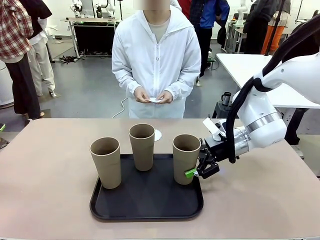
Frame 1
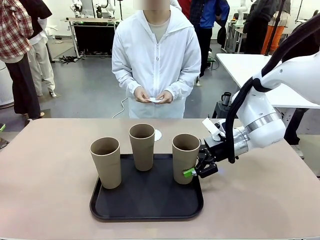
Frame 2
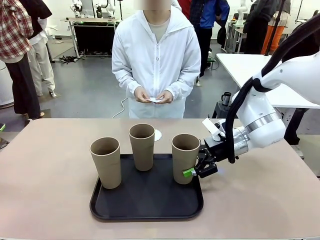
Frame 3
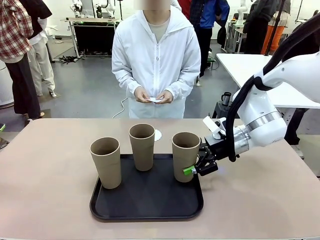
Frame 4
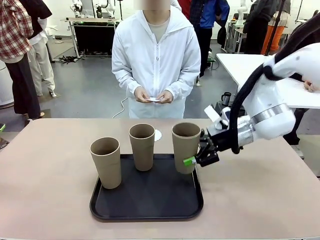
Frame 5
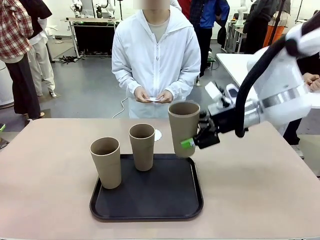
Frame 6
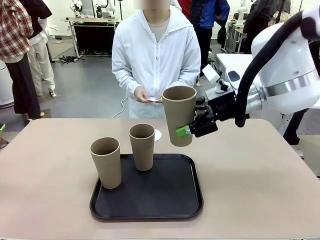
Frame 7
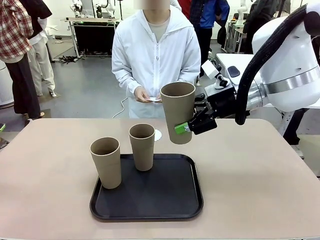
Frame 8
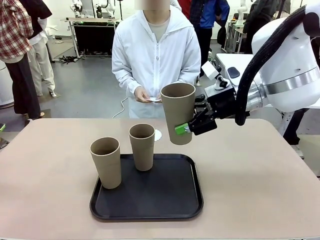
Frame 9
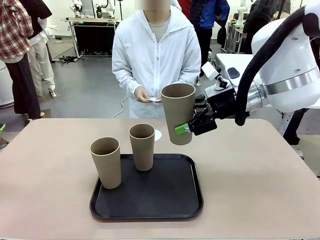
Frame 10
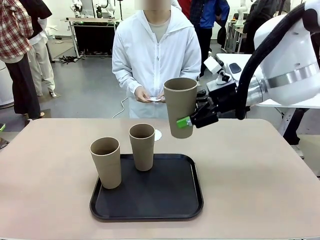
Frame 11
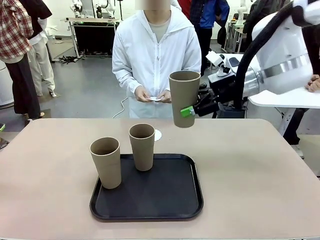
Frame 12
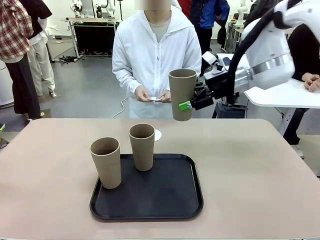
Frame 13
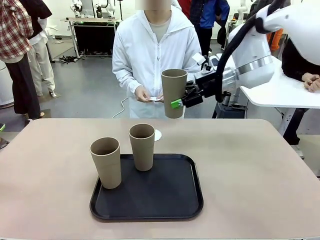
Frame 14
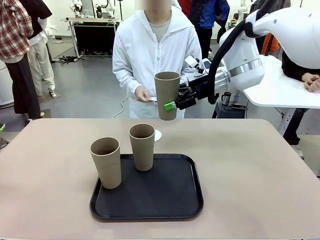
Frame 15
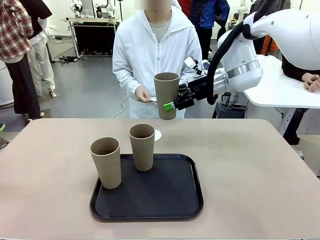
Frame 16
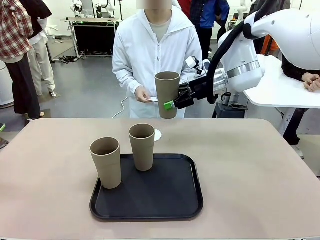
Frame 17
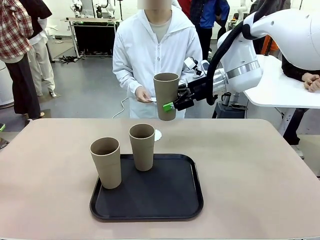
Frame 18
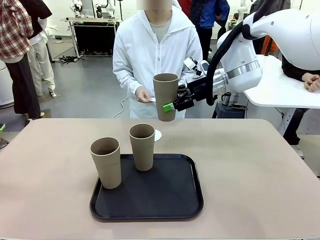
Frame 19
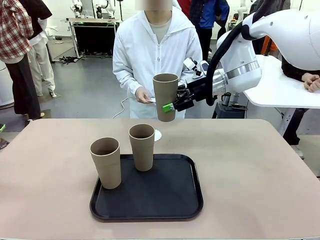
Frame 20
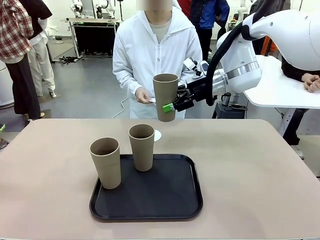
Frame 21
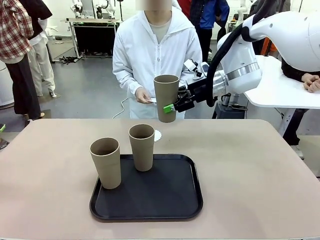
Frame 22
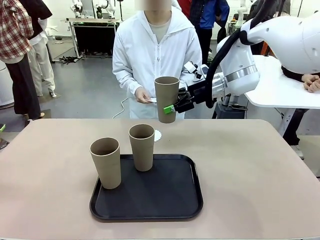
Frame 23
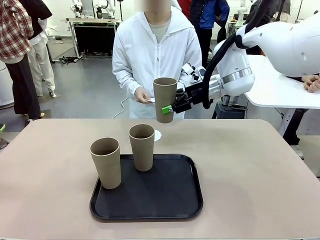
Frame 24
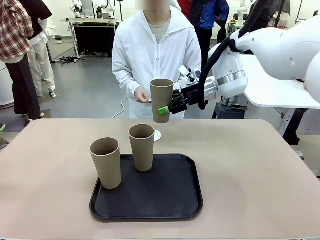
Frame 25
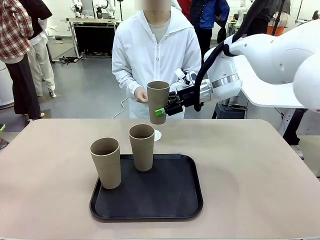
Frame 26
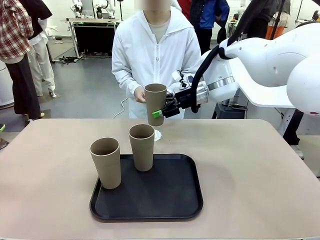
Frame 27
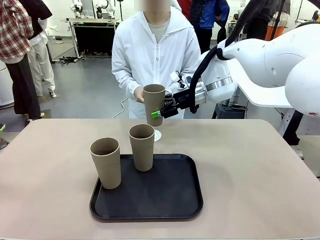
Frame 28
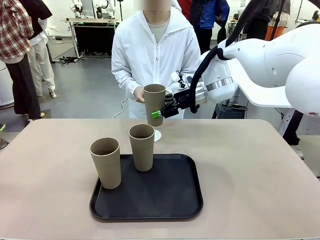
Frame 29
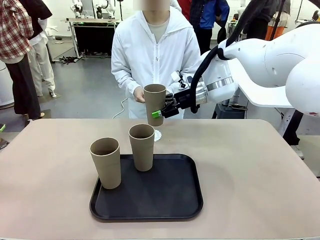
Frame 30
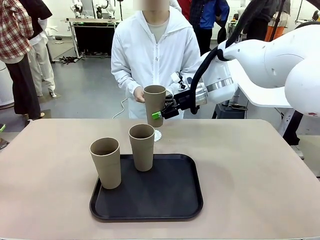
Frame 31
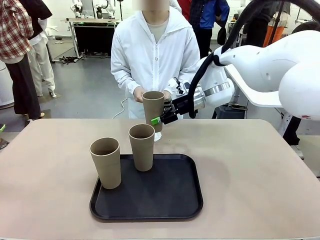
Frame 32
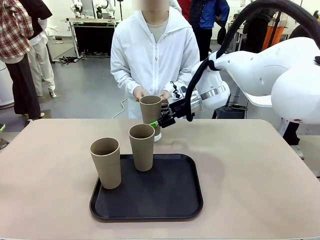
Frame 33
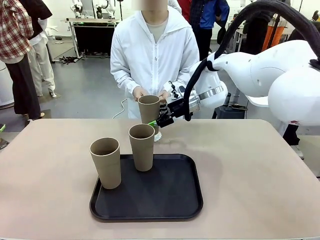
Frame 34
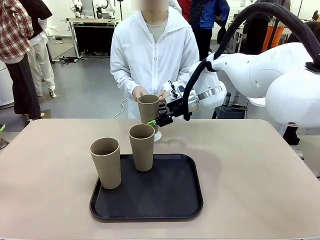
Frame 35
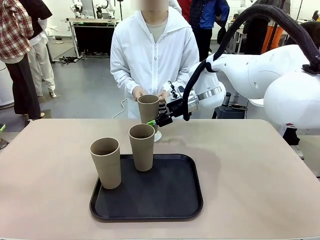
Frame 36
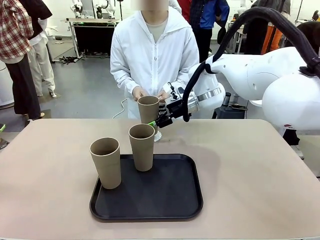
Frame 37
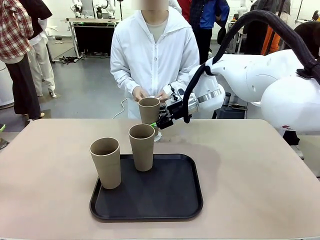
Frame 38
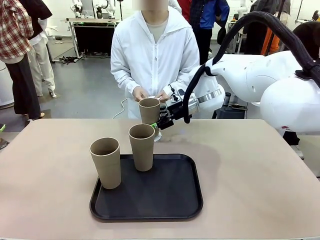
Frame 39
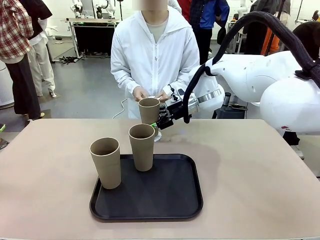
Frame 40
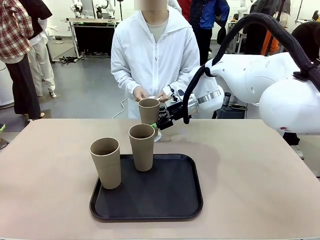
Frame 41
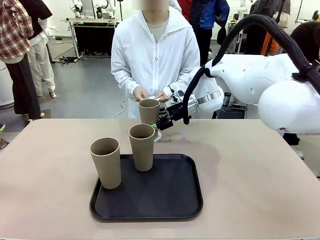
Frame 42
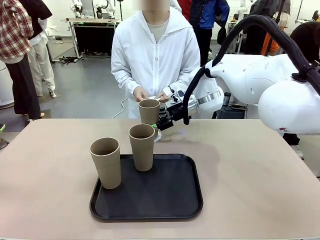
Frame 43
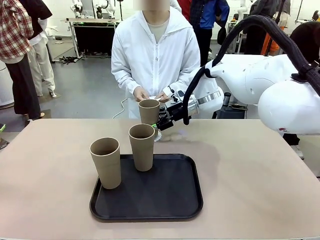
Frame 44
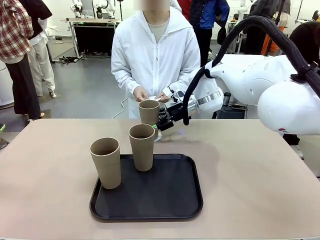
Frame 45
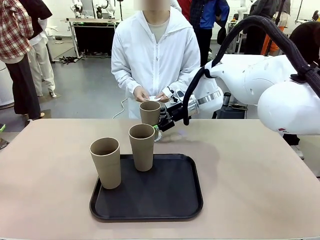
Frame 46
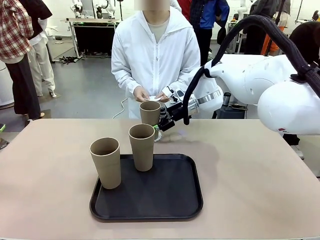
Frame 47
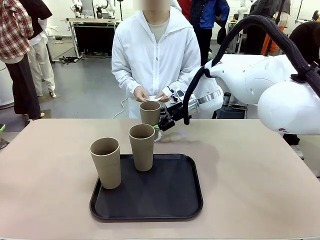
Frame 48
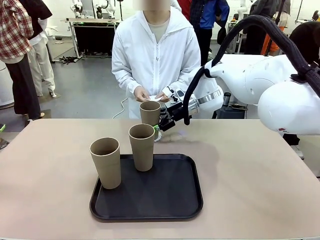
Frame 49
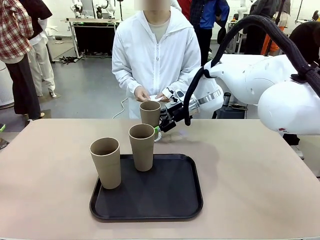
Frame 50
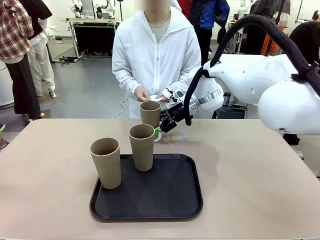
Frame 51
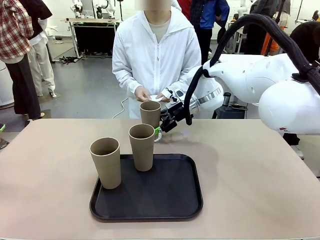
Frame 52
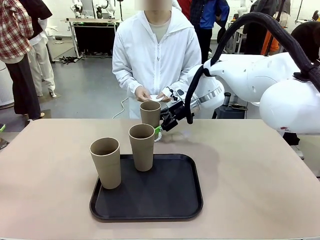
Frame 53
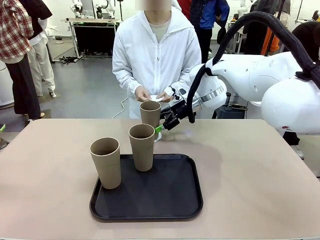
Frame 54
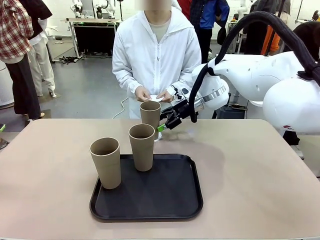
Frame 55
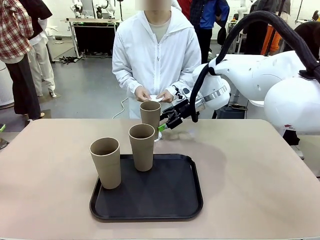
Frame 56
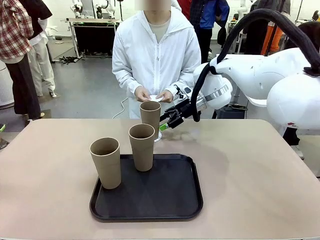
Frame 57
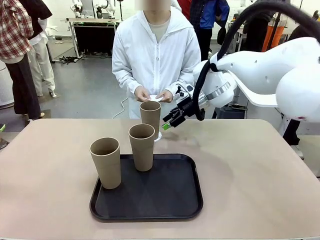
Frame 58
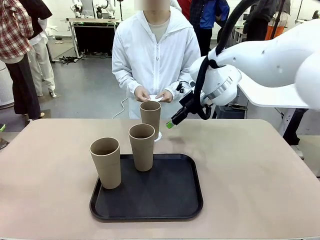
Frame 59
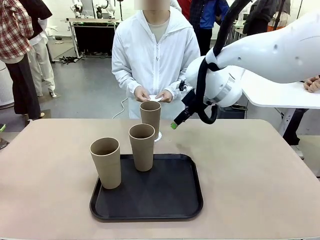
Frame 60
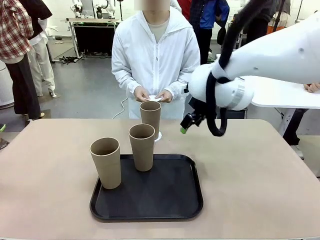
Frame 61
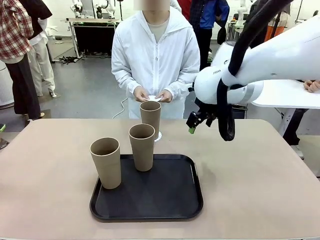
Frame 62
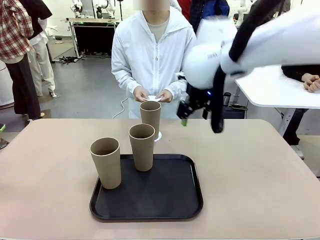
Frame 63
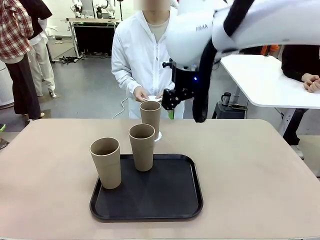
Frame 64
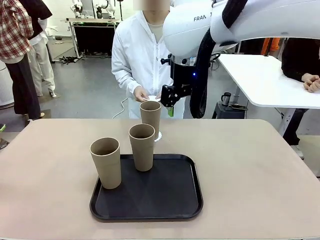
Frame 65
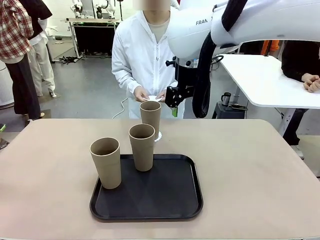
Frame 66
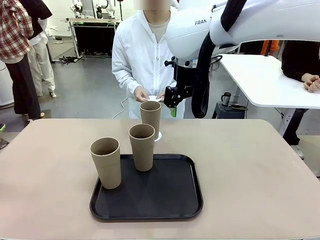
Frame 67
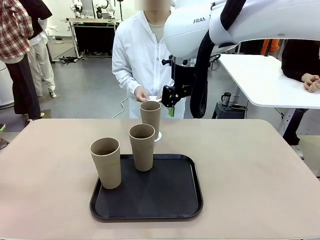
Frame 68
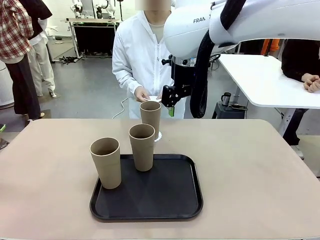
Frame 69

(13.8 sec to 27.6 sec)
Task: Place coasters on the table and set cups on them.
Robot: Pick up one Reusable plastic cup and place it on a coaster set by the human.
Person: Place one coaster in one of the two areas excluding the previously selected area.
